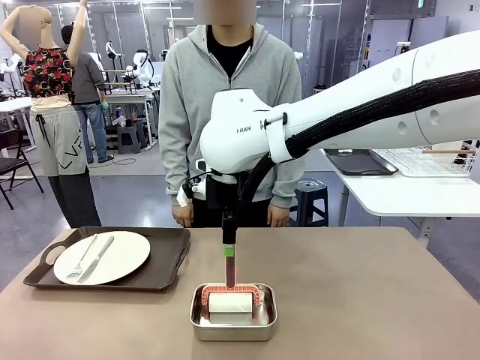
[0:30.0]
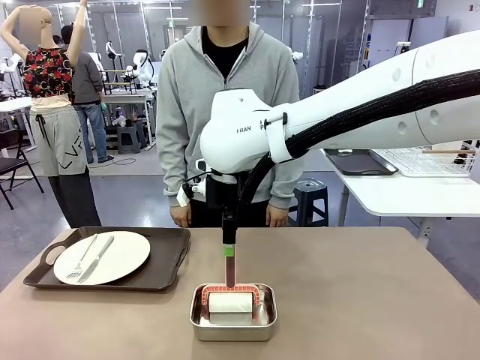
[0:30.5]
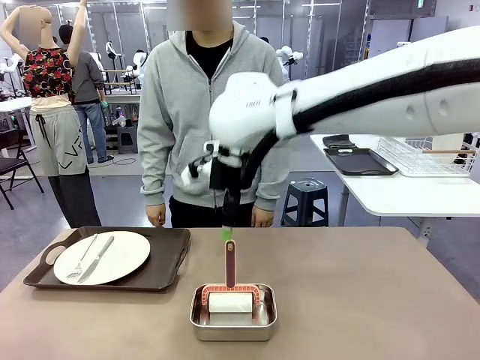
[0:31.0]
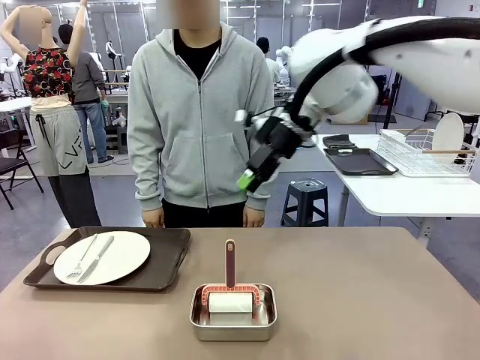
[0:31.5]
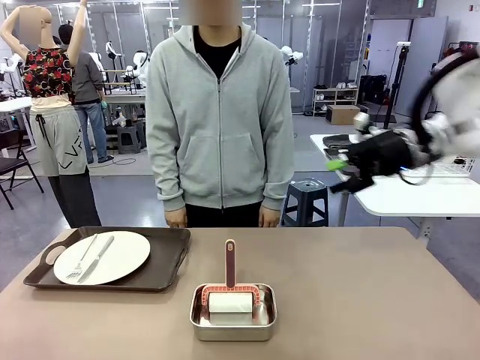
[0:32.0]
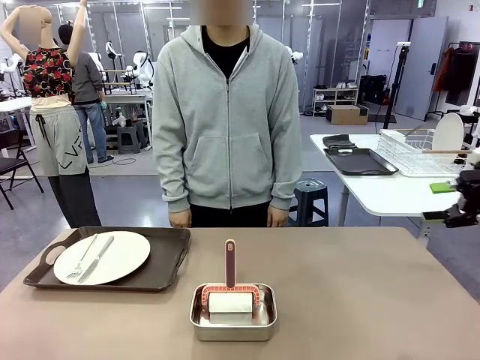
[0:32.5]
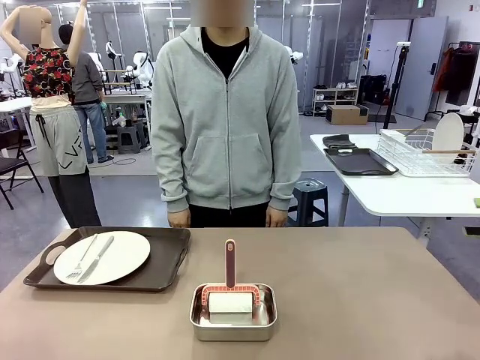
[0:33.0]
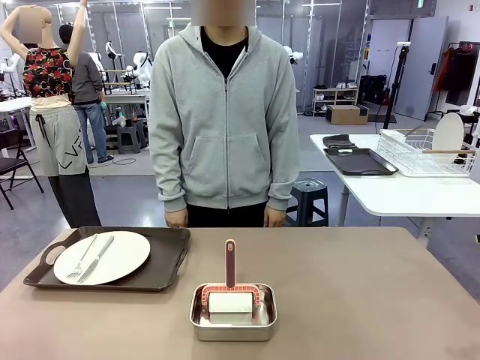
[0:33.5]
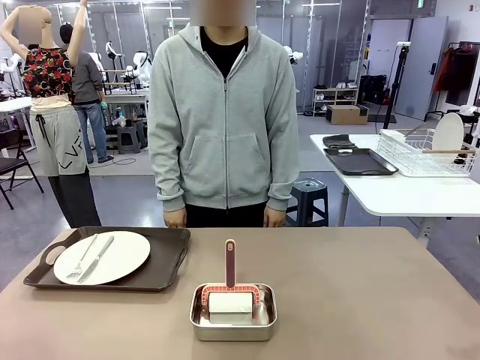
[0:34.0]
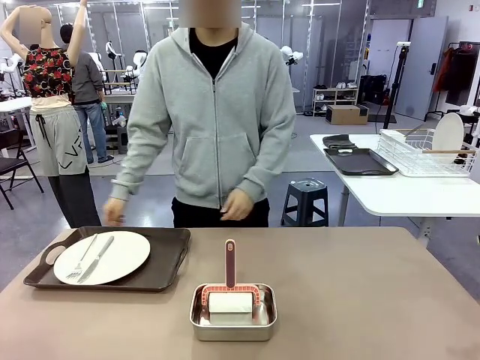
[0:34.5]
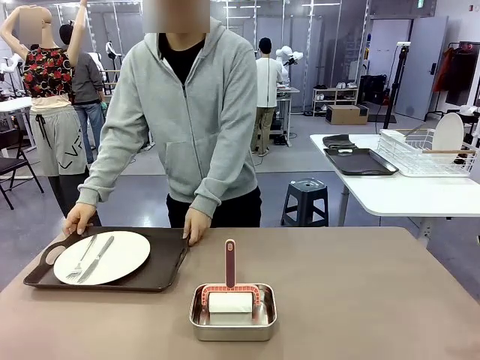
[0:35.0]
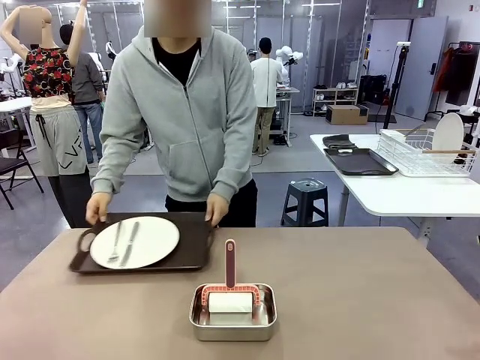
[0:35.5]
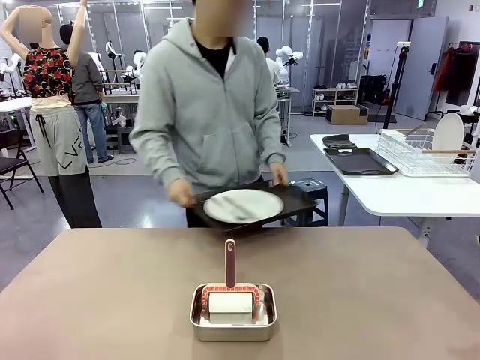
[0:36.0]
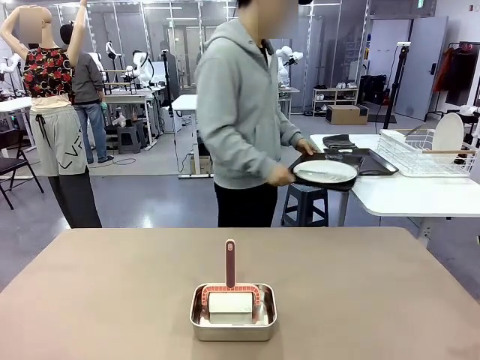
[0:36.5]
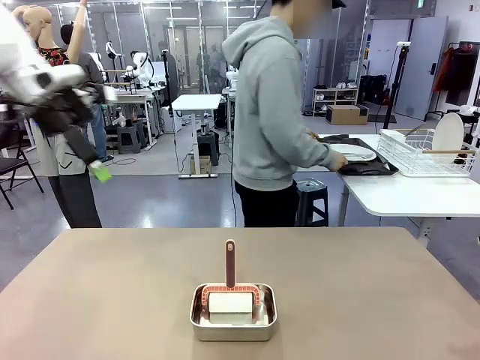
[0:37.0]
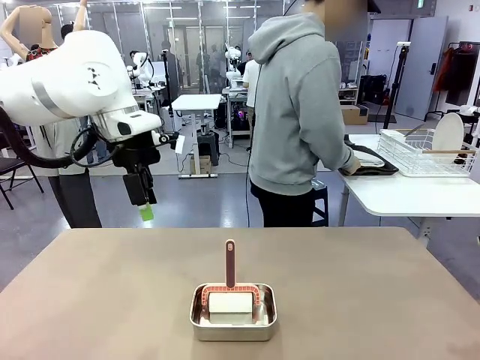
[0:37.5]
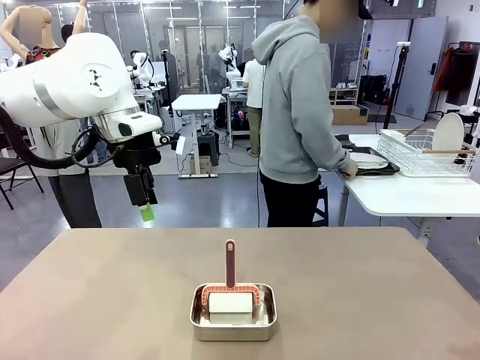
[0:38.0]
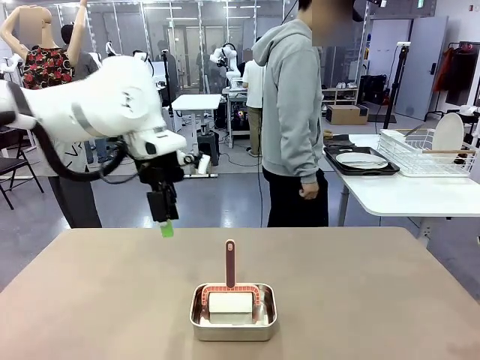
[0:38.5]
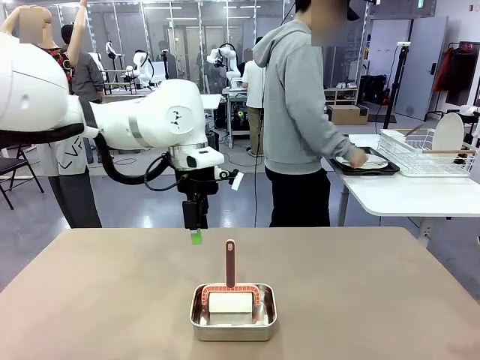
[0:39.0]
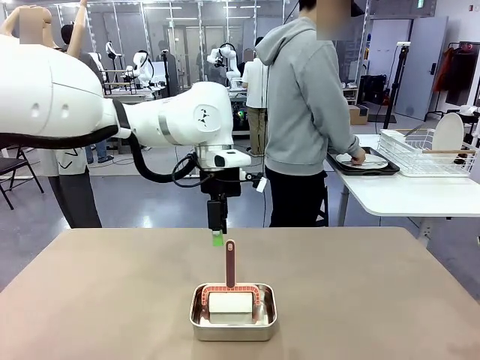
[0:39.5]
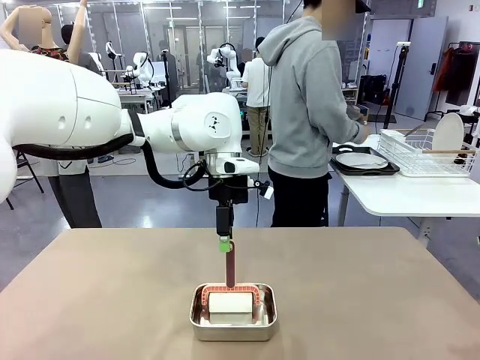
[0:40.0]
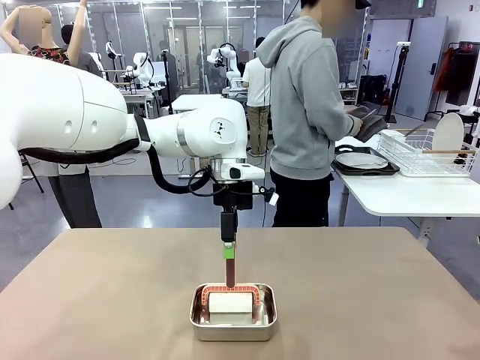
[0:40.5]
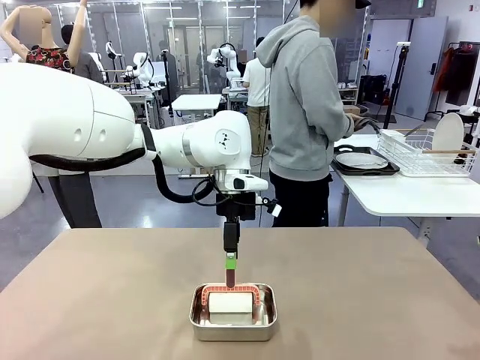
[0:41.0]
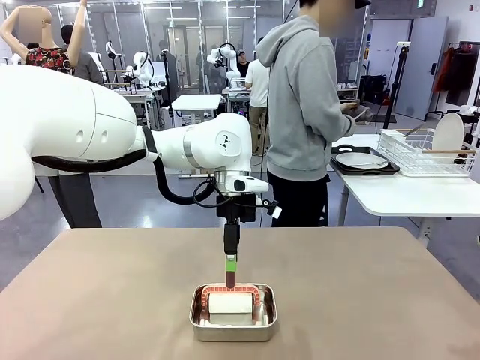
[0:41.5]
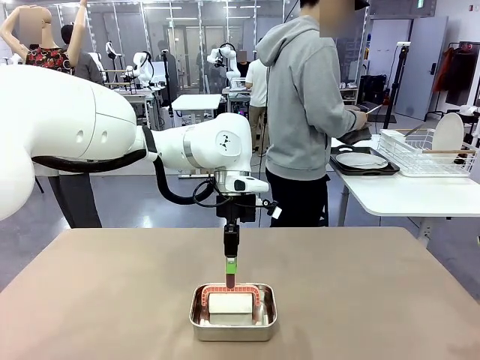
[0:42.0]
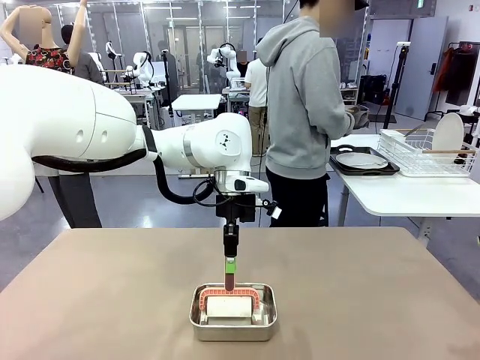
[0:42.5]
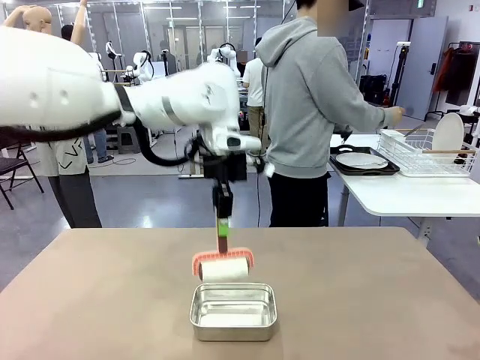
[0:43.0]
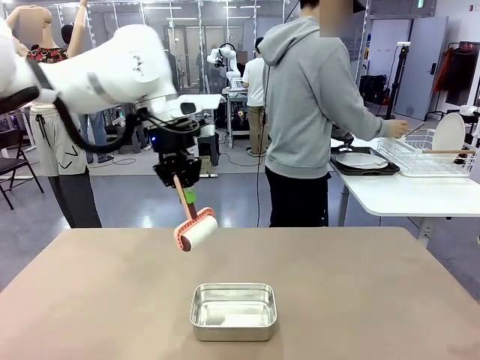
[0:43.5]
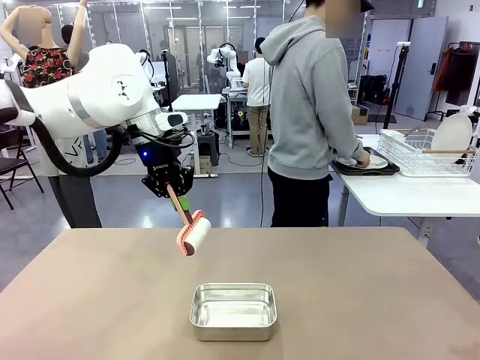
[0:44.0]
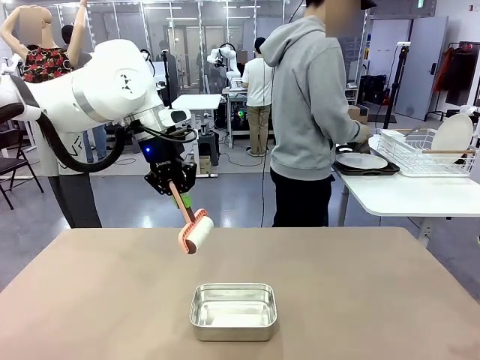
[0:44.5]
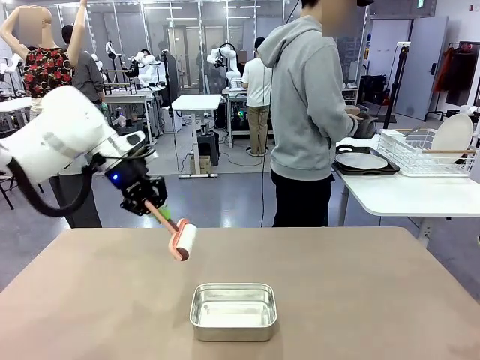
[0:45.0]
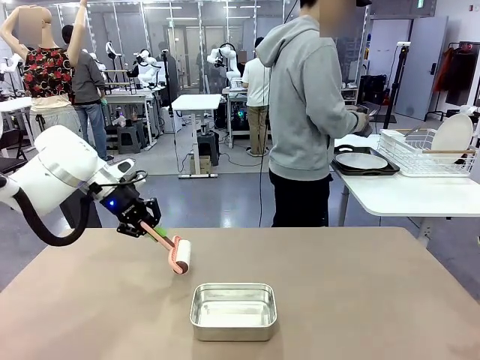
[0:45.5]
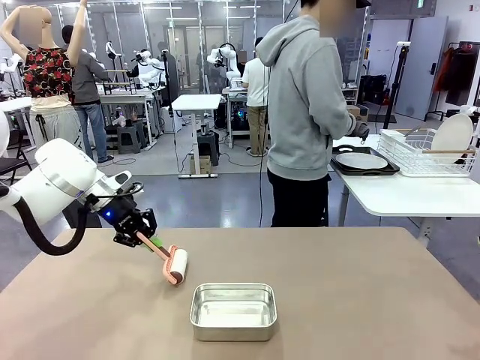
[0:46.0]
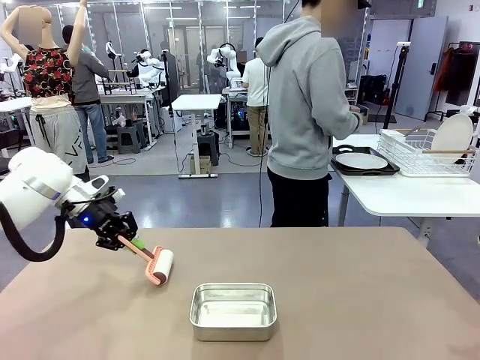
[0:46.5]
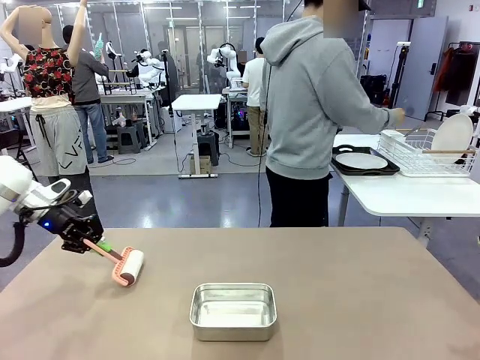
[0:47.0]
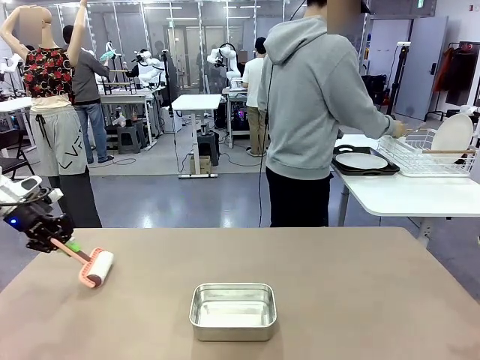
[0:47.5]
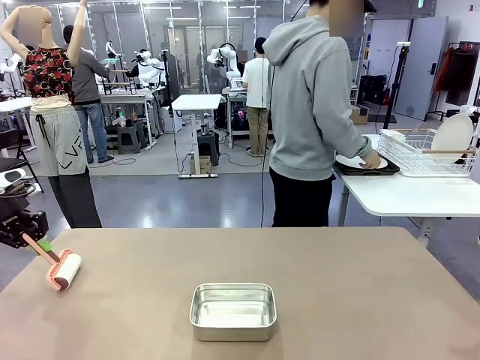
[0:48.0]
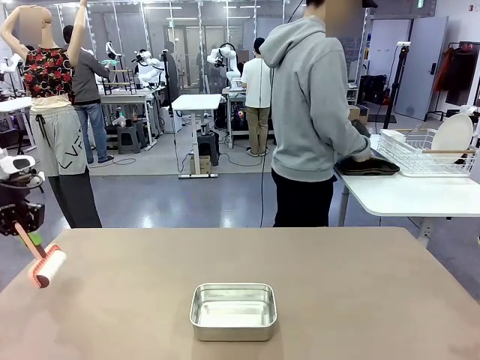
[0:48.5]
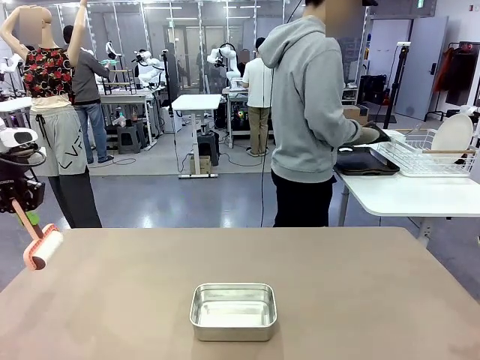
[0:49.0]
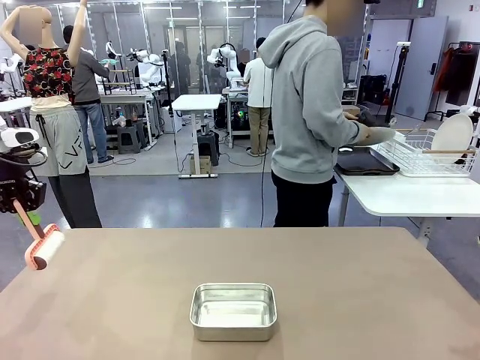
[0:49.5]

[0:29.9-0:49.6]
Robot: When the right (or left) Handle tray is removed, use the right hand (or left hand) to clean the right (or left) side of the table with the Lint Roller.
Person: Pick up the left (or right) Handle tray and place it on the Handle tray.

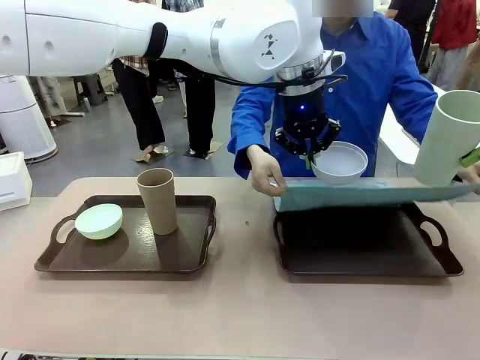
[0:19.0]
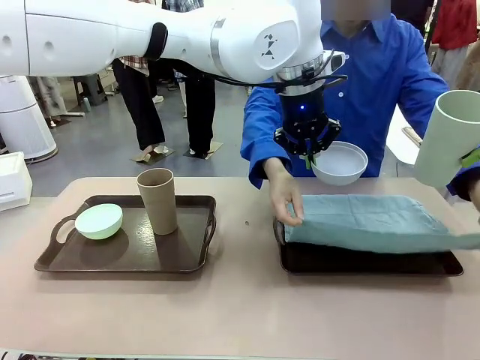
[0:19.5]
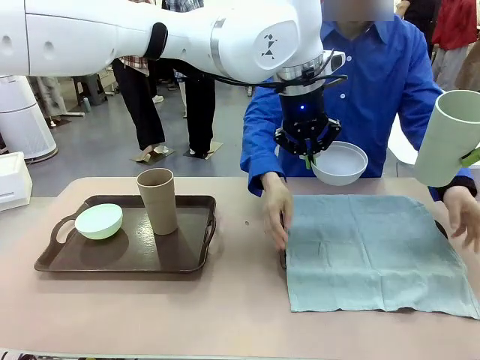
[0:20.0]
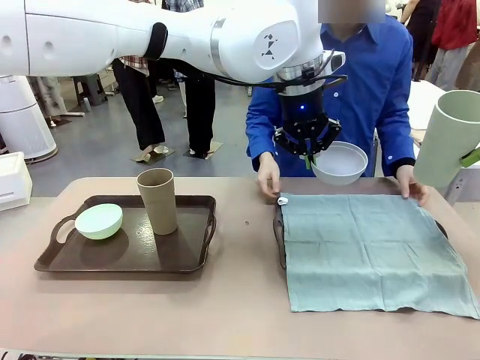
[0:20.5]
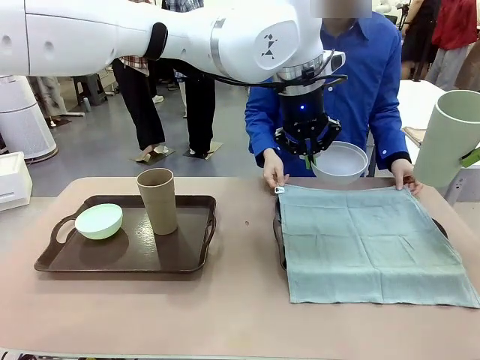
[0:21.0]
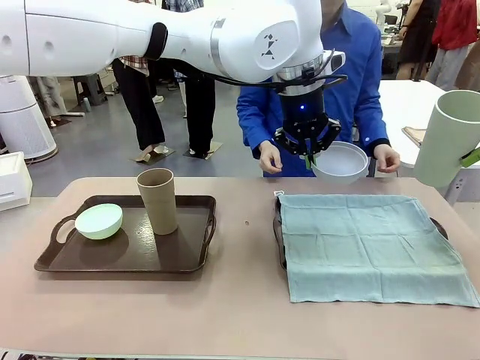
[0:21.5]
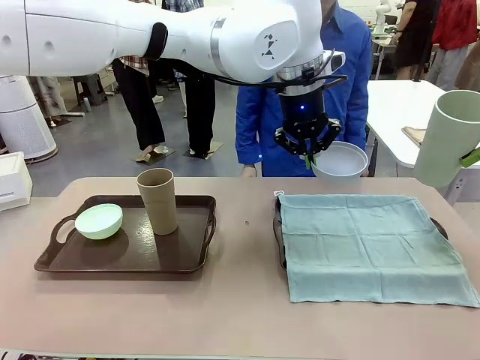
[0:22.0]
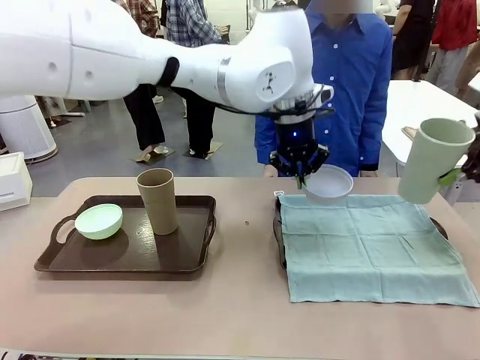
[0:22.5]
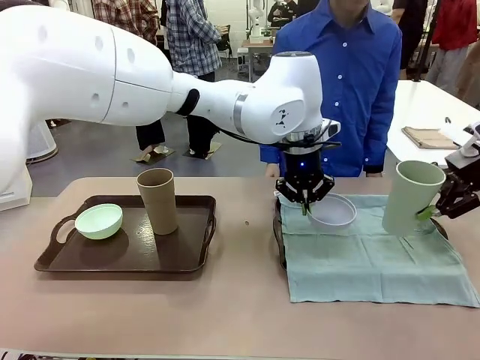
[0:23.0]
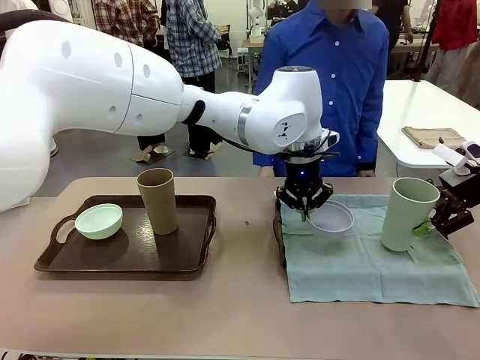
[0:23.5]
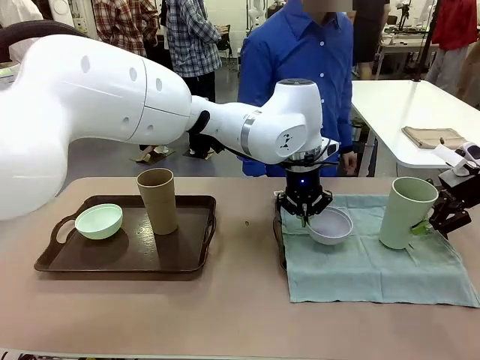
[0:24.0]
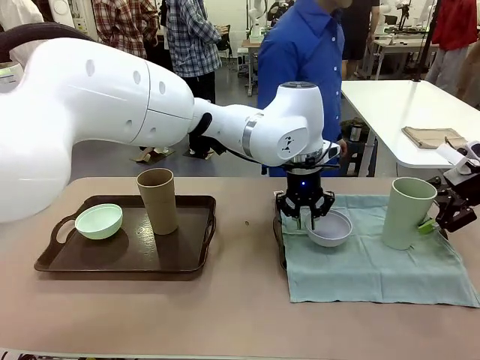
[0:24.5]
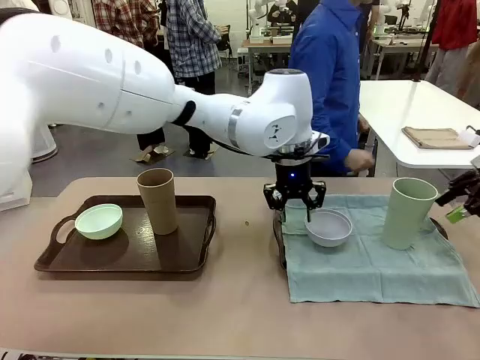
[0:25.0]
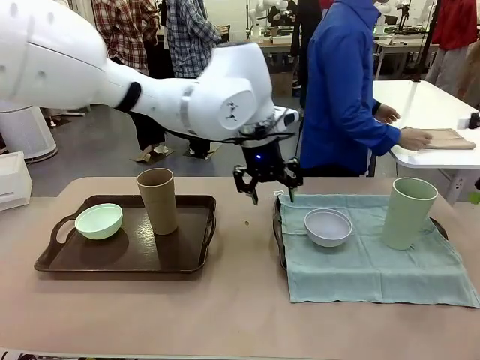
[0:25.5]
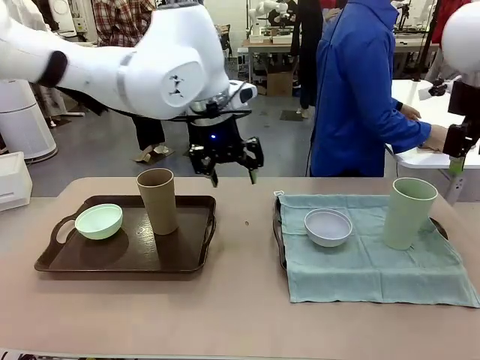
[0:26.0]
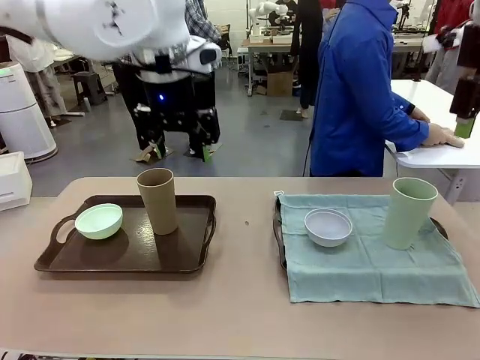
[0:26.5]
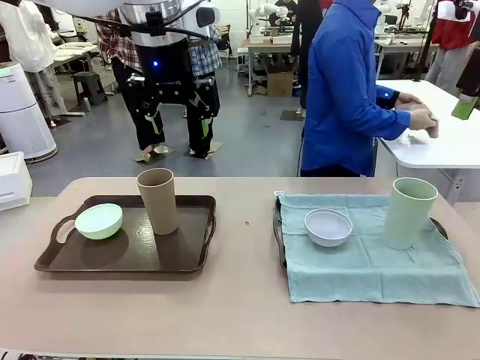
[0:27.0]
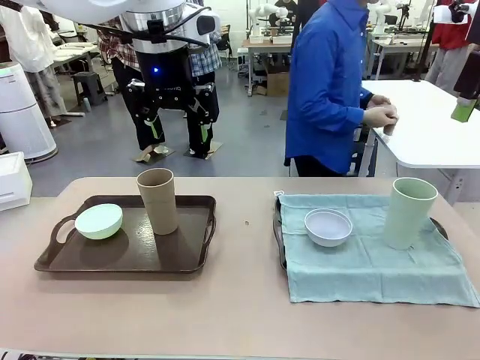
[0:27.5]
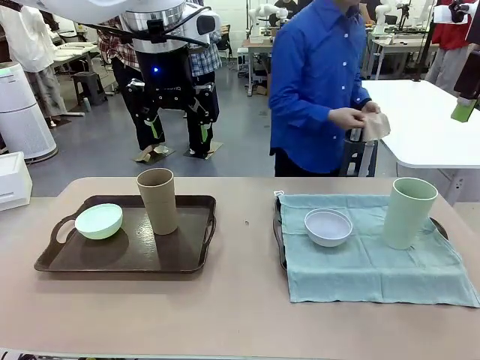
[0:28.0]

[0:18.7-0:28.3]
Robot: Place the Picnic Bowl and Reusable plastic cup back onto the Handle tray in front of the human's position.
Person: The human returns to the human table to pick up another napkin and walks to the robot table to stand in front of the tray without a napkin.
